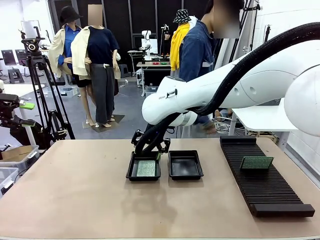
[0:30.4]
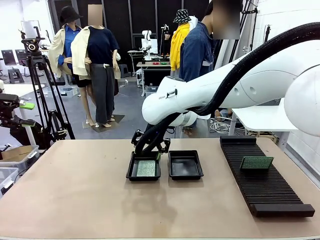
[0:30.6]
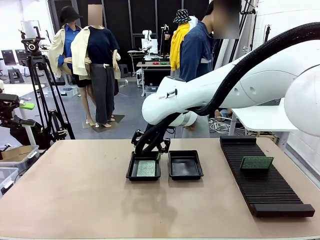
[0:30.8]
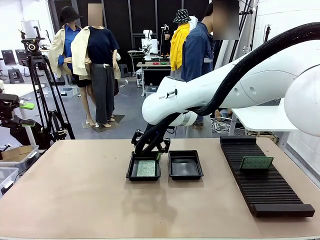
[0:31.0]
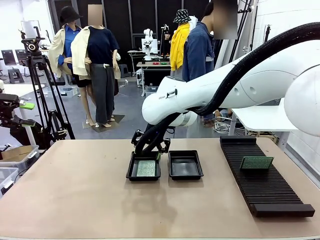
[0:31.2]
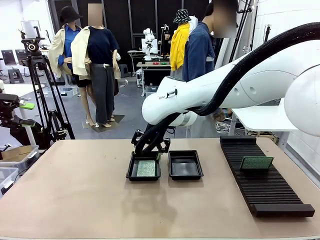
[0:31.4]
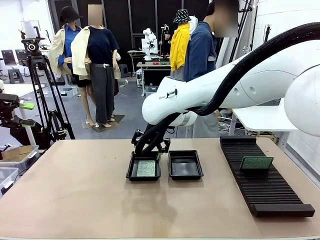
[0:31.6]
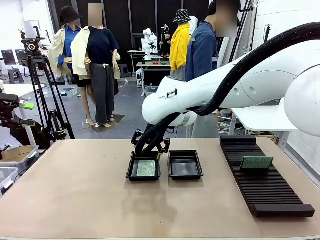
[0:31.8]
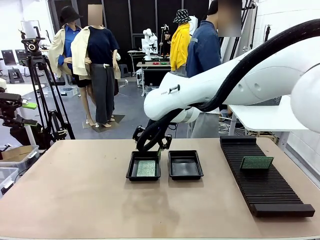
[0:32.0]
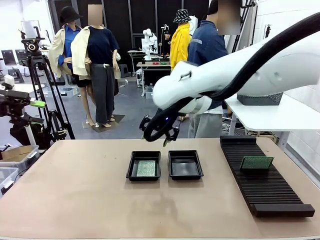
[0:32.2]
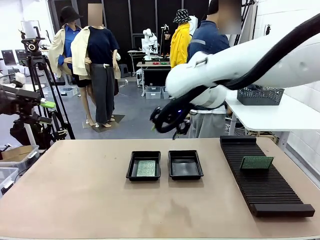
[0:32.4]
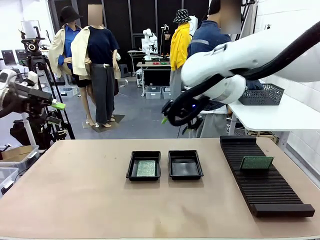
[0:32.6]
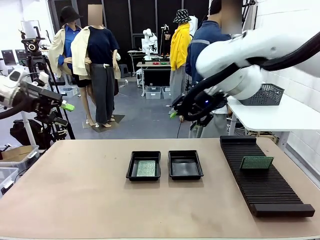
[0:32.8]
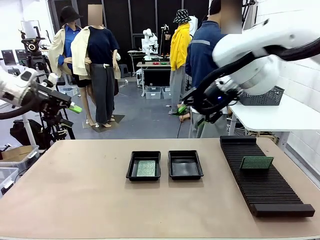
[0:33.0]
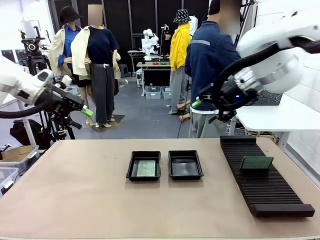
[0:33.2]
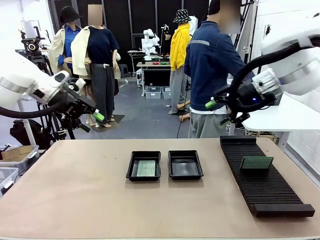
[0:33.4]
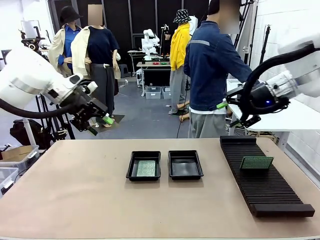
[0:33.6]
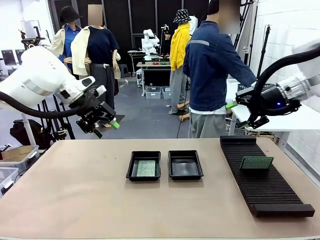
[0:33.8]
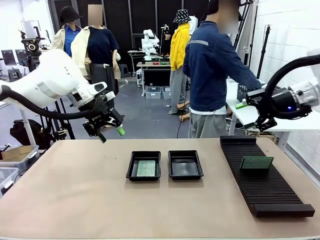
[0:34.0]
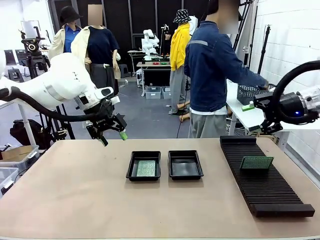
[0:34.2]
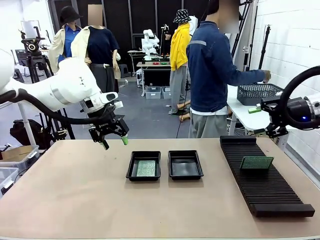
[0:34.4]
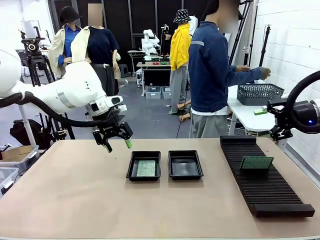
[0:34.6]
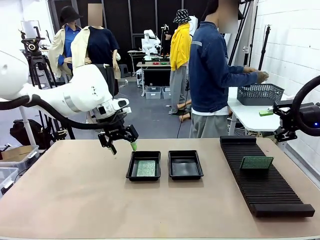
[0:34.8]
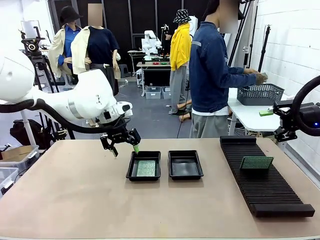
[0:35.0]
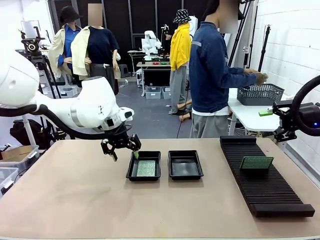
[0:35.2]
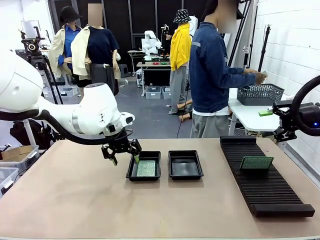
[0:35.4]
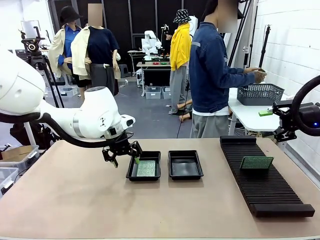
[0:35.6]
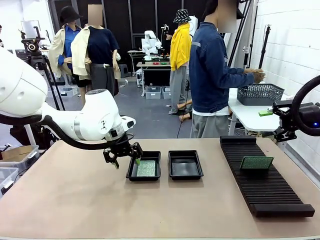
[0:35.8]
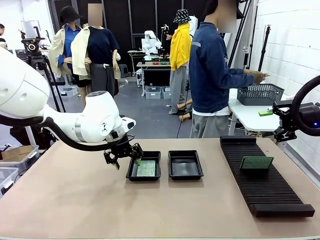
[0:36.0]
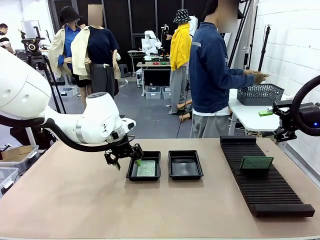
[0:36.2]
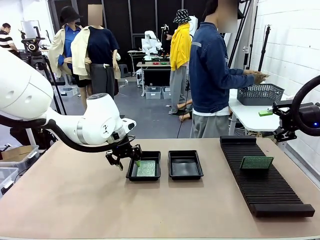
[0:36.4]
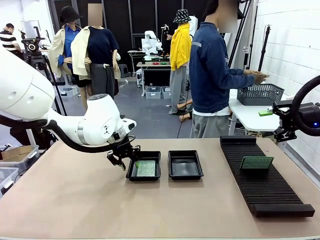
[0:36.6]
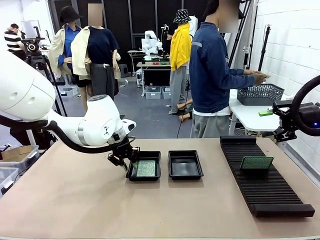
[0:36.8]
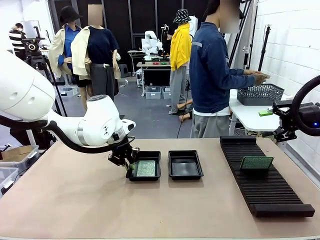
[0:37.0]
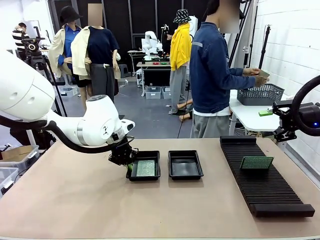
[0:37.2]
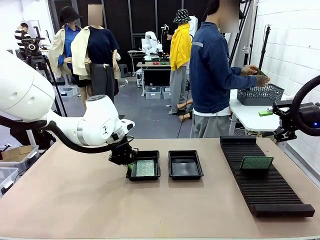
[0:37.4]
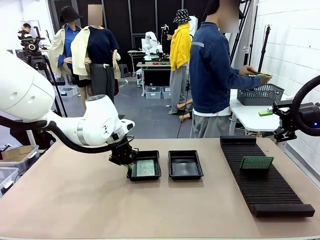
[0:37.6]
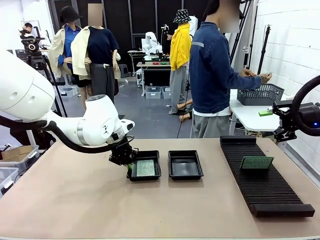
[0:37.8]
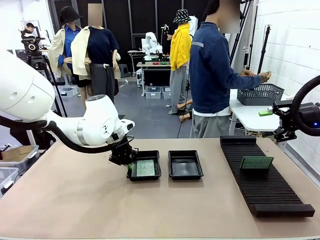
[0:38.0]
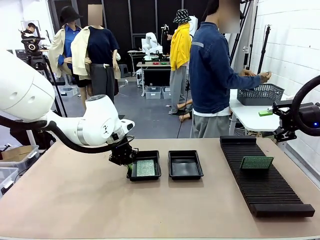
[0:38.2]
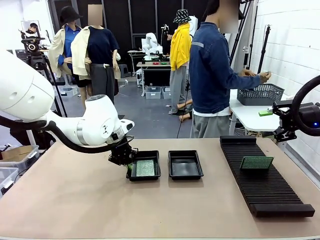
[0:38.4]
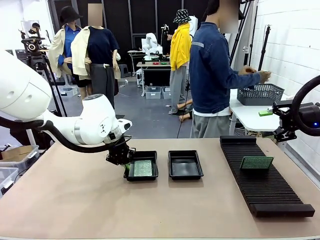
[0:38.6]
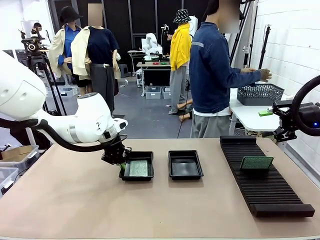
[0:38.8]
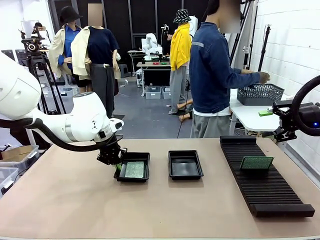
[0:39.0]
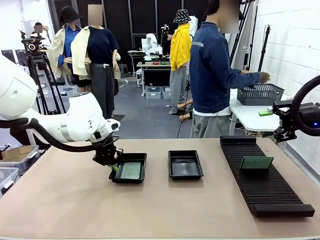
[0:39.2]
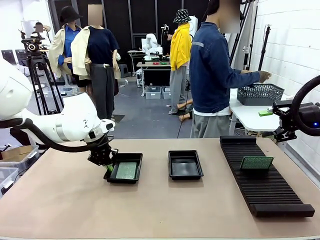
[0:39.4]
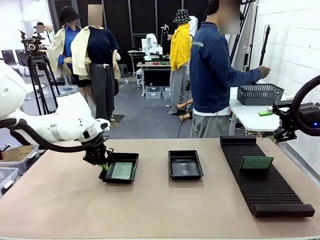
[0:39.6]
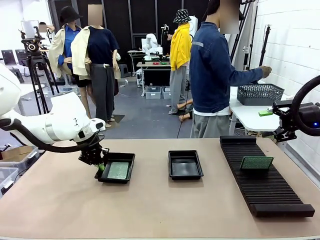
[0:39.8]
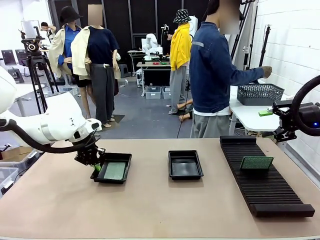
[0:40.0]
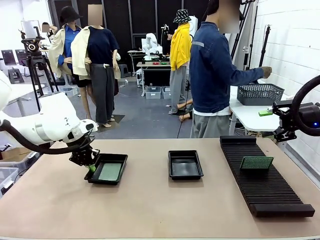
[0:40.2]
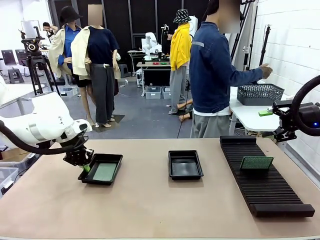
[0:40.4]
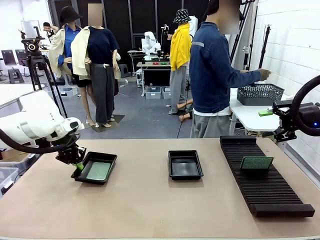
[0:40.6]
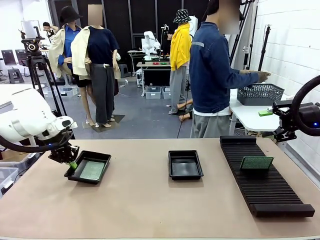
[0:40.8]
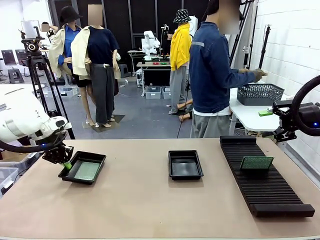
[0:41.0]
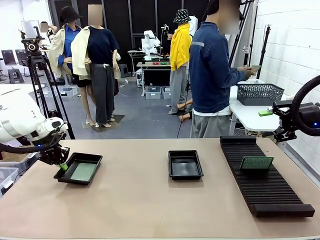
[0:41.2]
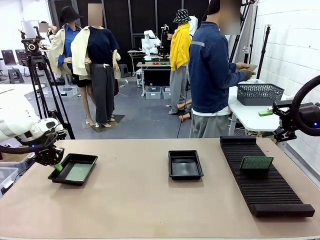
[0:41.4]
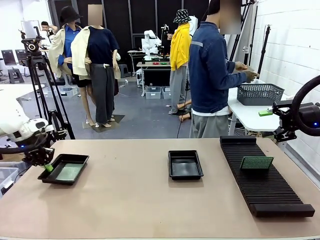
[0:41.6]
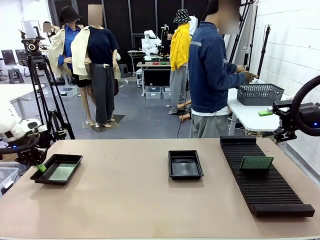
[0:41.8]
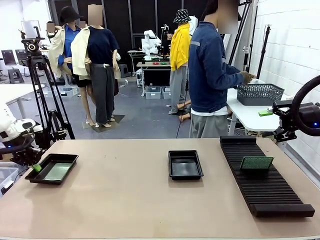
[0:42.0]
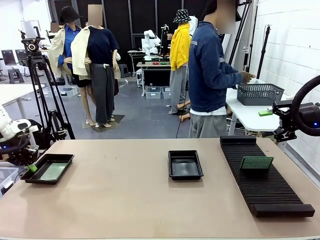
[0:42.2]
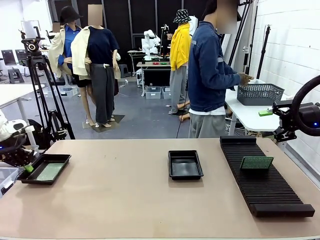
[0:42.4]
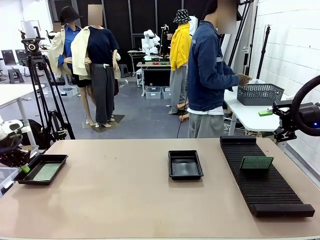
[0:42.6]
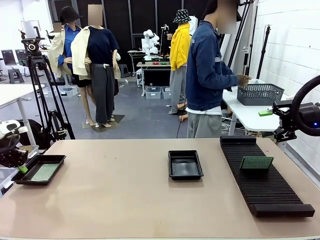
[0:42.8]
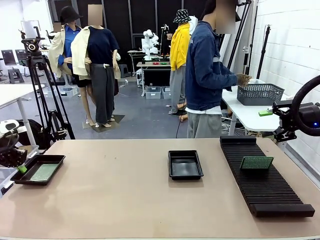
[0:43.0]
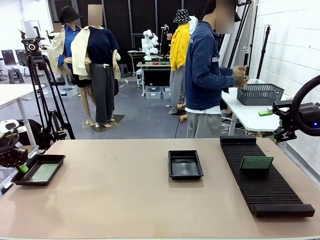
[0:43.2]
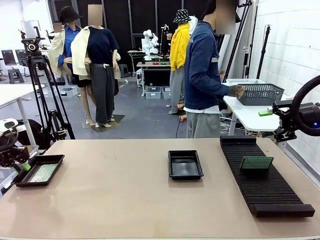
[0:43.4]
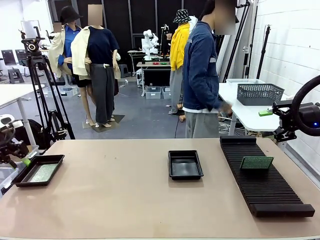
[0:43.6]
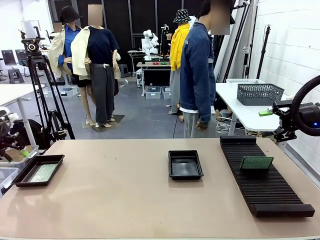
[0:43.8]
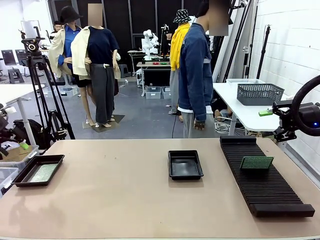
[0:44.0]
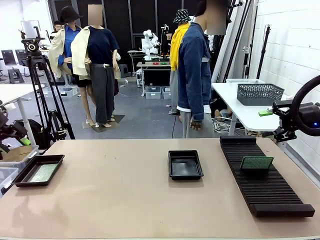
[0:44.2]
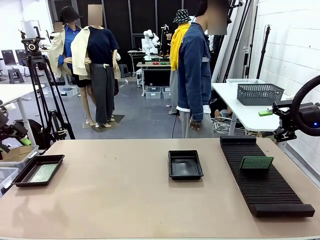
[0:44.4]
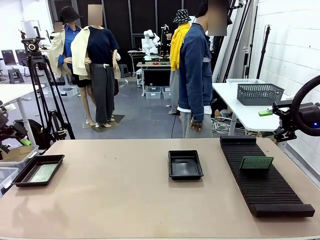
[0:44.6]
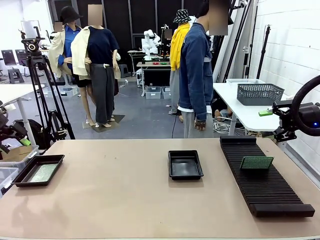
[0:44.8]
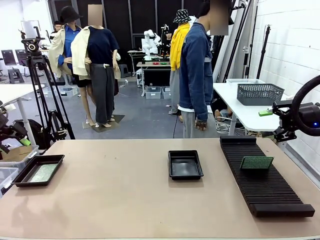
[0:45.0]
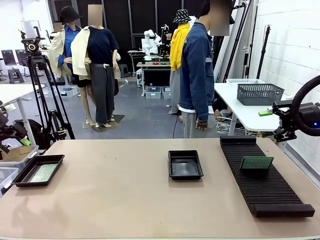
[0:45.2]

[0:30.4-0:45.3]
Task: Inspect and transfer BCBs to ESD trays.
Robot: Pick up the ESD tray and place it on the left side of the table.
